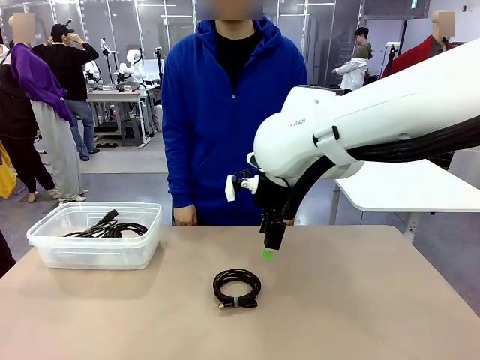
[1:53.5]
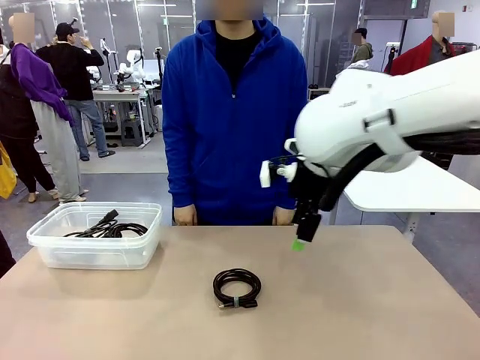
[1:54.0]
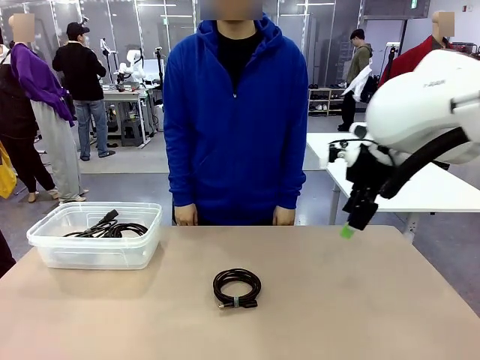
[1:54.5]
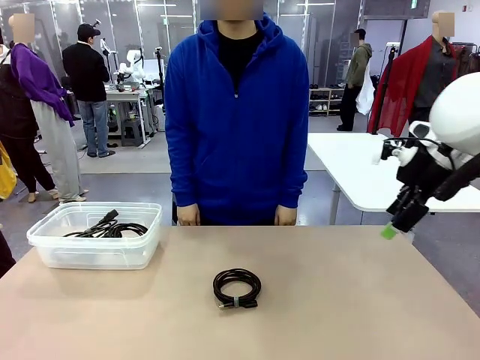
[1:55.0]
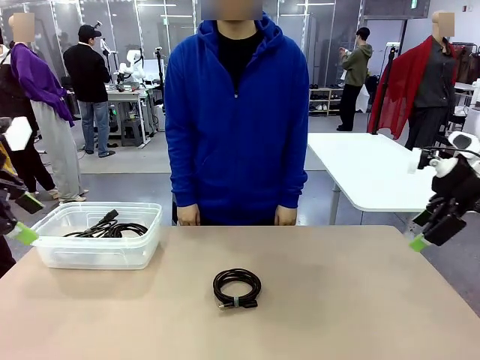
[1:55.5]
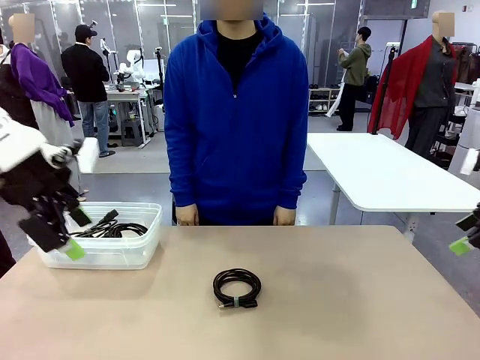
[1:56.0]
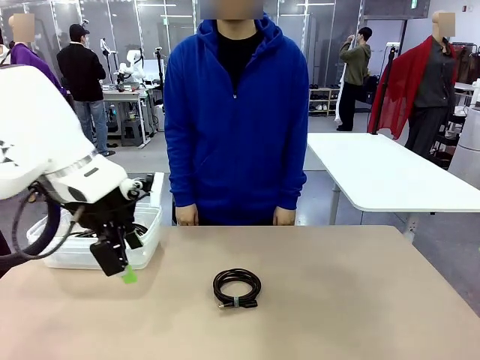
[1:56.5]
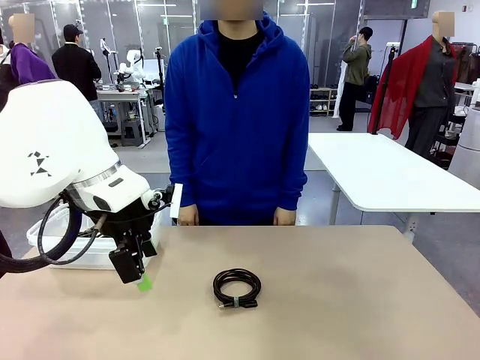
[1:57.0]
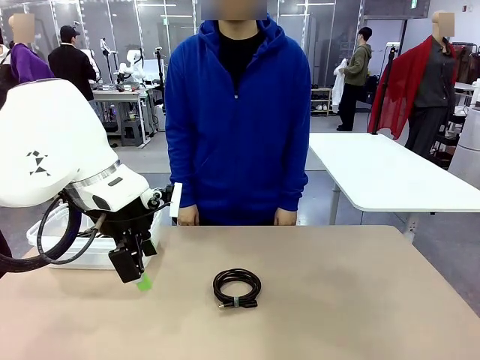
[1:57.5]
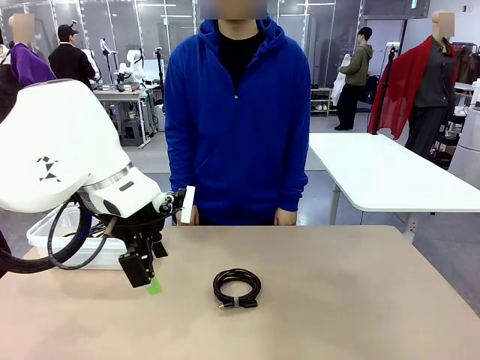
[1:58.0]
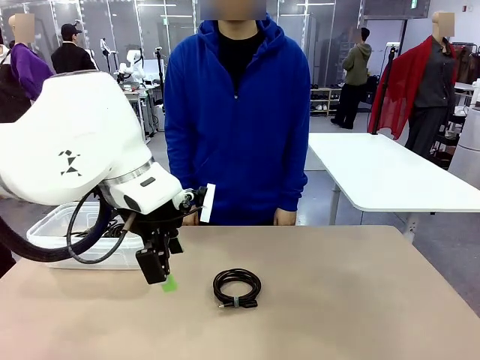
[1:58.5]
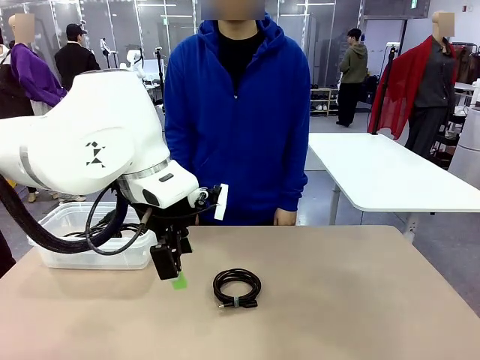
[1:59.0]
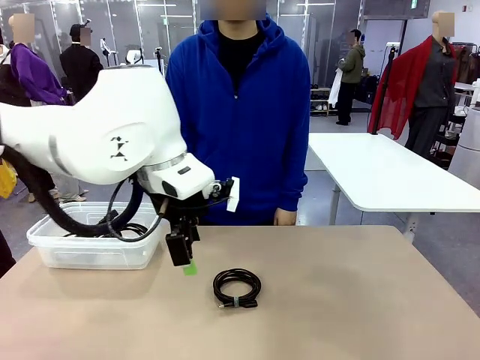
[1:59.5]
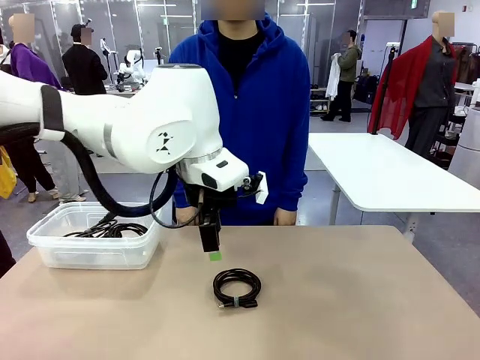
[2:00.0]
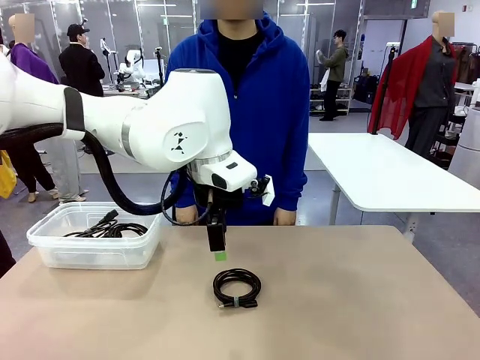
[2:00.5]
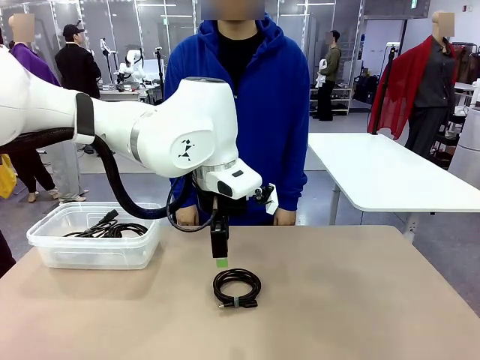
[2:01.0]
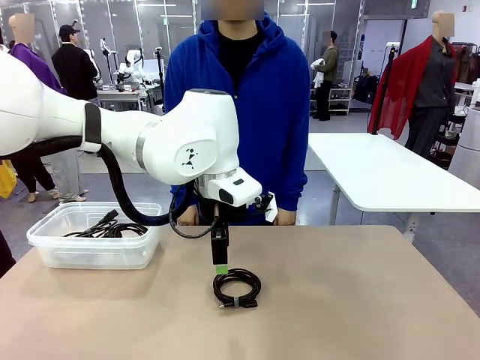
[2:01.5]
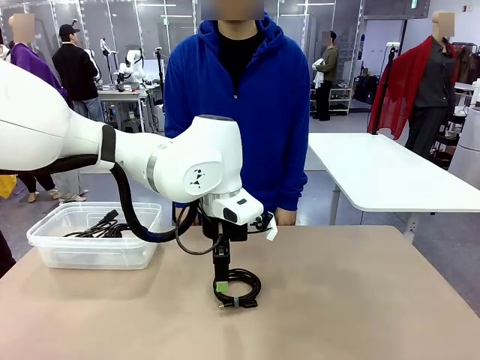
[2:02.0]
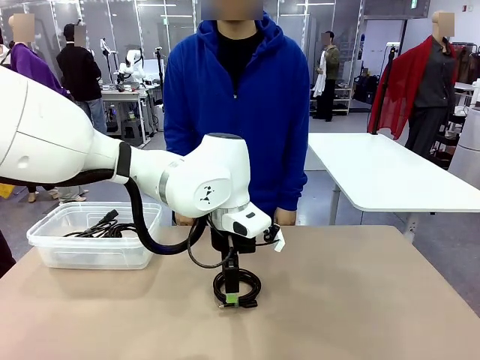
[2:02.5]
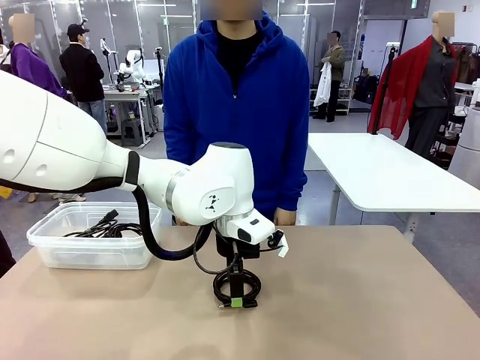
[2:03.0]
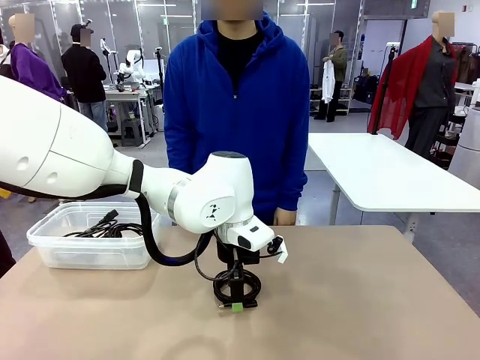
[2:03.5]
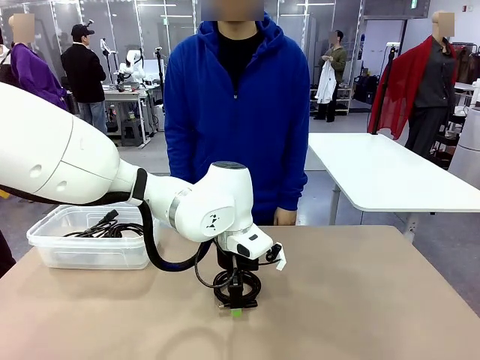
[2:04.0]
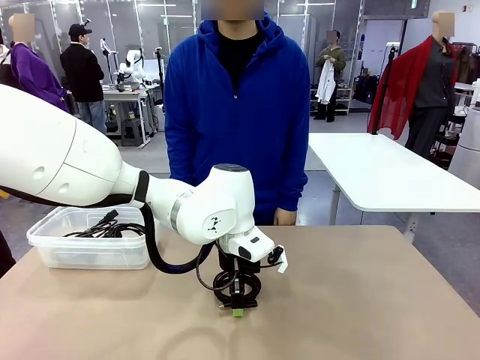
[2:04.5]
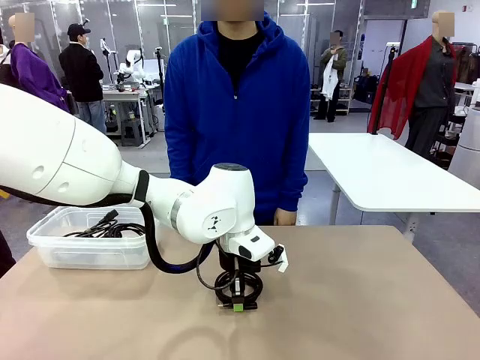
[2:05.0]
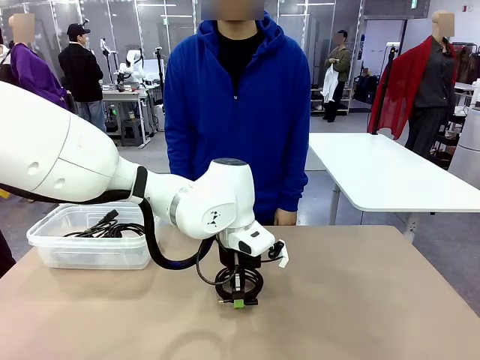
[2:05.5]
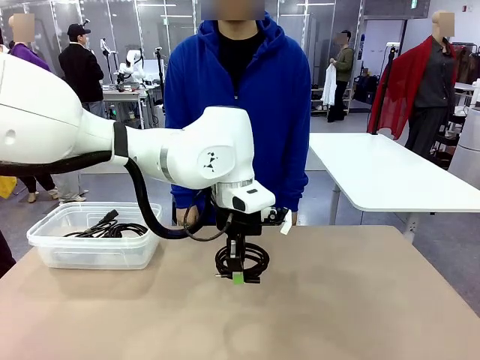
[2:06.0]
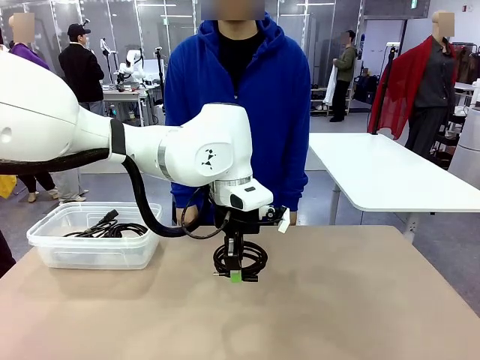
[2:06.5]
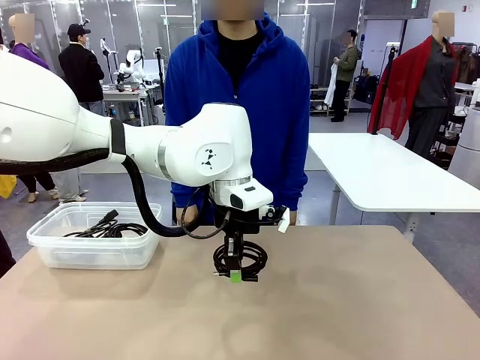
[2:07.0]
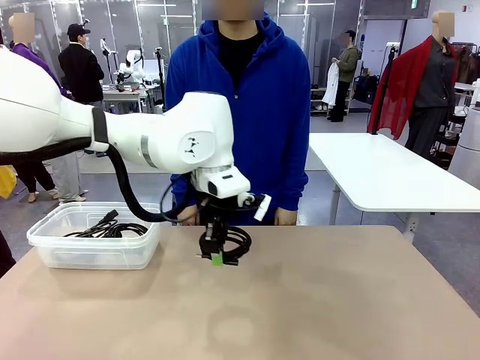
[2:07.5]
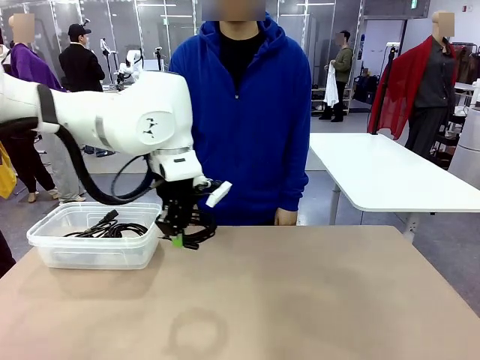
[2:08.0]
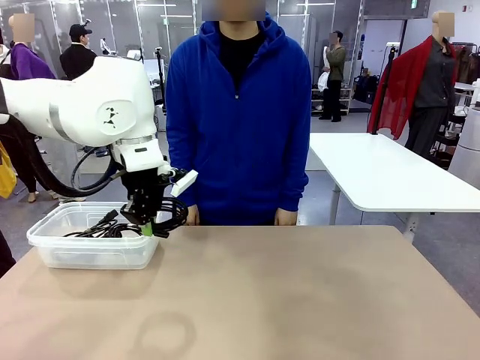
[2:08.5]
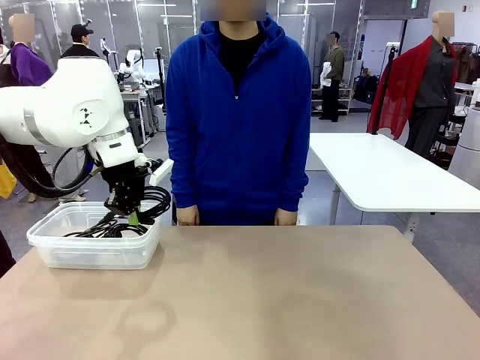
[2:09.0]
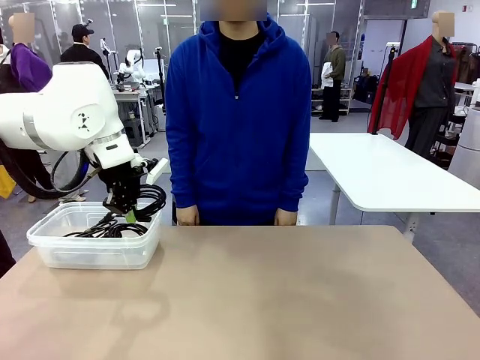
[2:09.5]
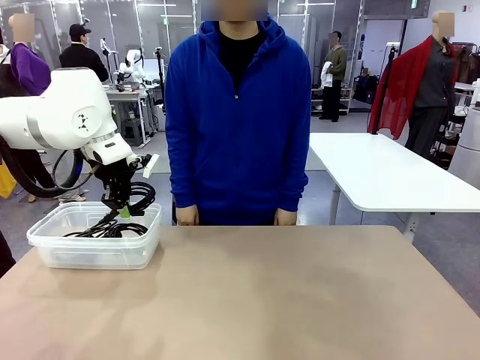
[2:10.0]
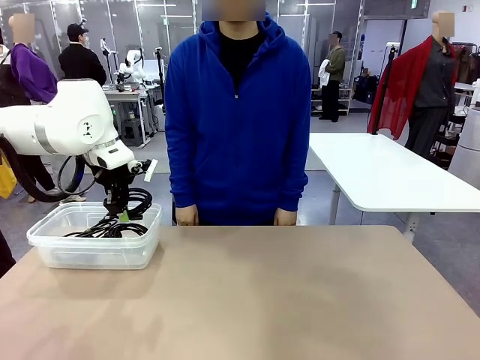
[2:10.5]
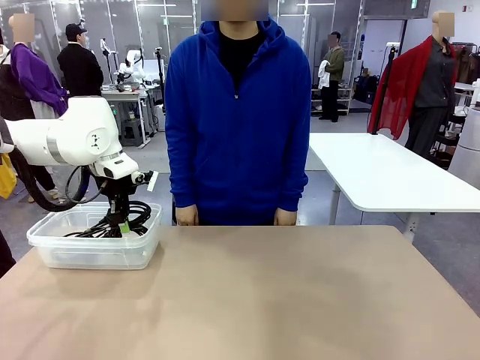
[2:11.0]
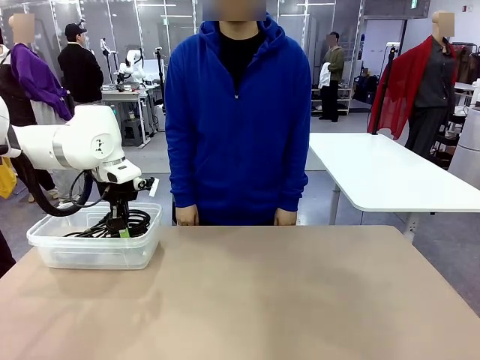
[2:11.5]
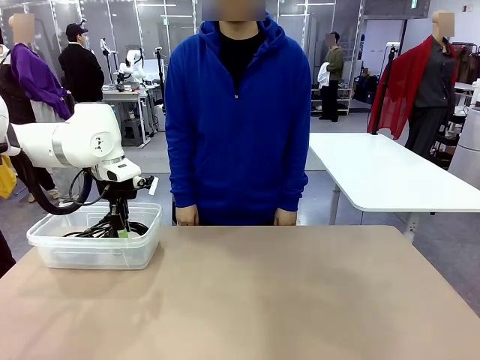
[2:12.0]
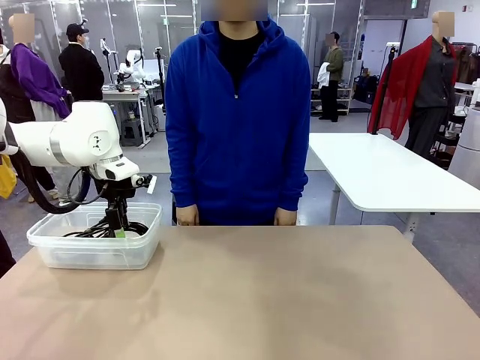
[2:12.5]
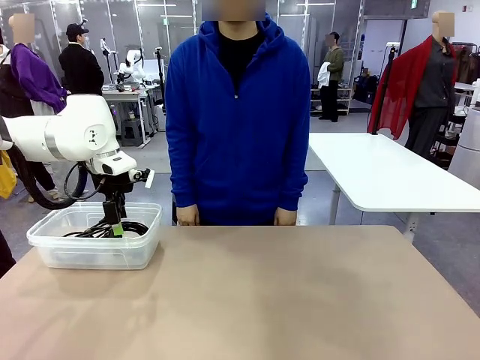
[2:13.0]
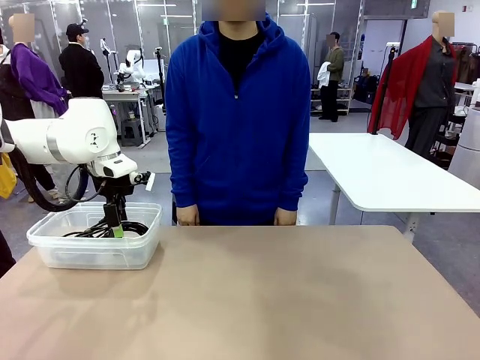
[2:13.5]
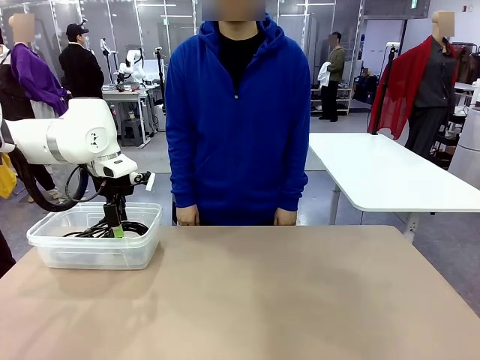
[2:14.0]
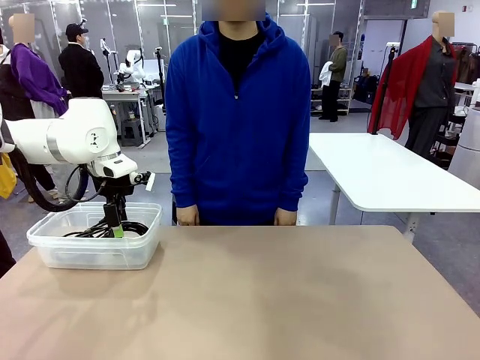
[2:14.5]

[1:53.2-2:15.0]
Task: Organize and store the cables.
Robot: Place the USB Extension Cable into the Organizing box.
